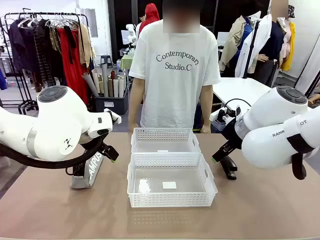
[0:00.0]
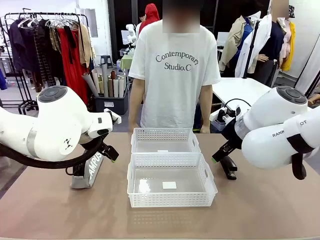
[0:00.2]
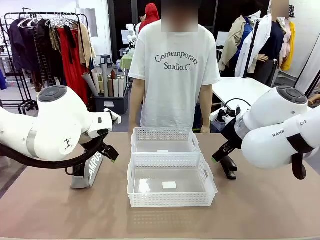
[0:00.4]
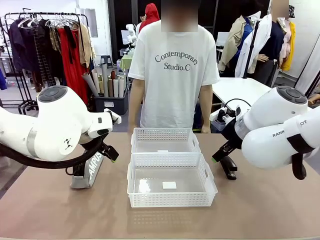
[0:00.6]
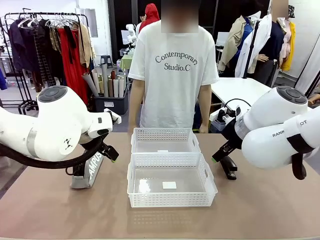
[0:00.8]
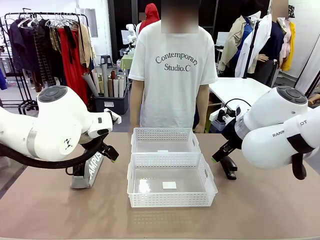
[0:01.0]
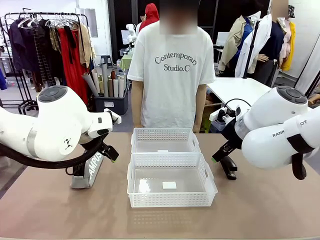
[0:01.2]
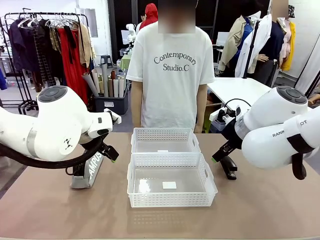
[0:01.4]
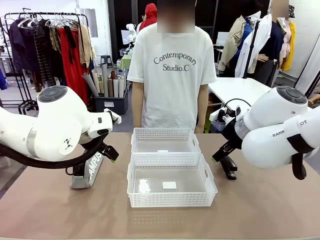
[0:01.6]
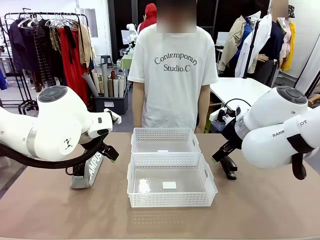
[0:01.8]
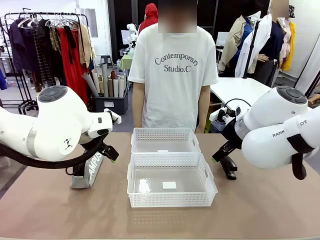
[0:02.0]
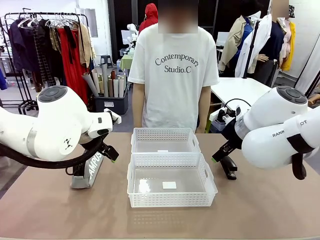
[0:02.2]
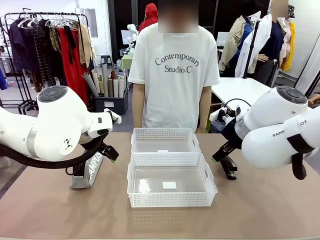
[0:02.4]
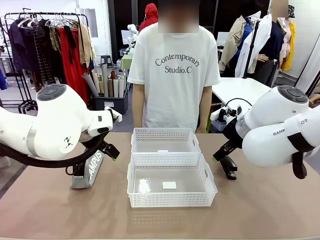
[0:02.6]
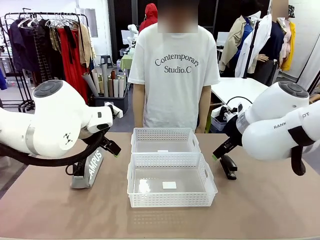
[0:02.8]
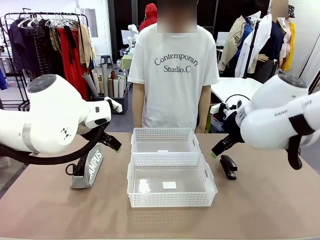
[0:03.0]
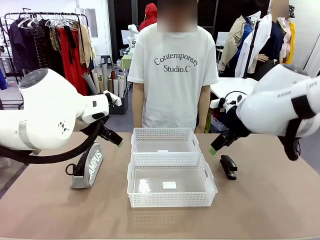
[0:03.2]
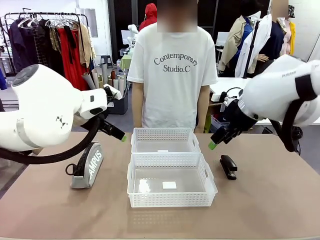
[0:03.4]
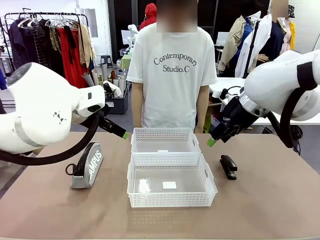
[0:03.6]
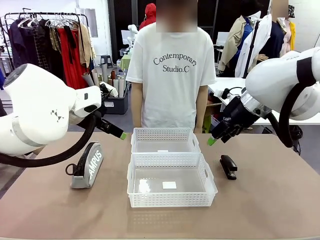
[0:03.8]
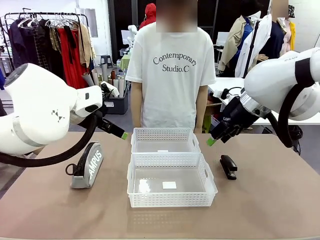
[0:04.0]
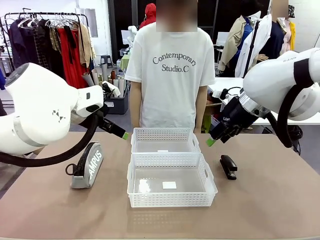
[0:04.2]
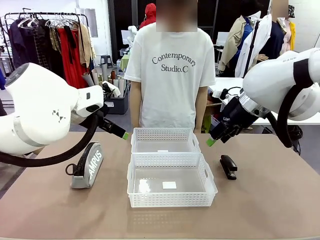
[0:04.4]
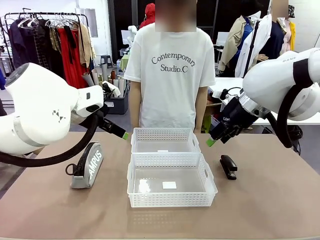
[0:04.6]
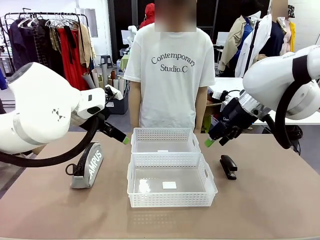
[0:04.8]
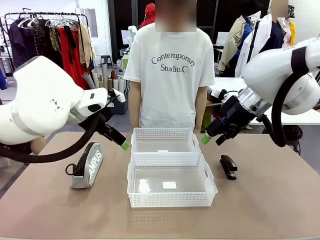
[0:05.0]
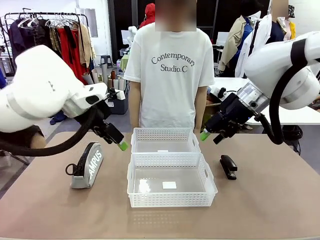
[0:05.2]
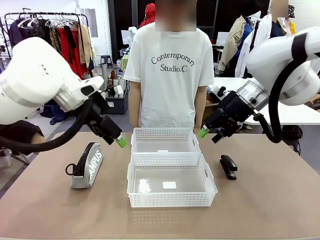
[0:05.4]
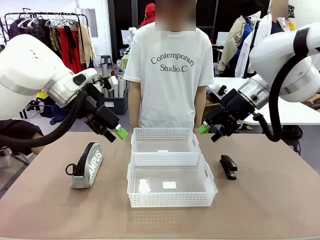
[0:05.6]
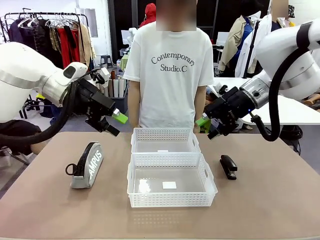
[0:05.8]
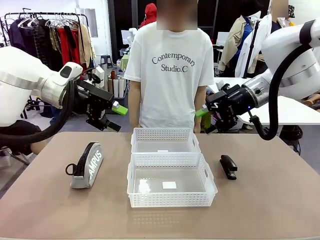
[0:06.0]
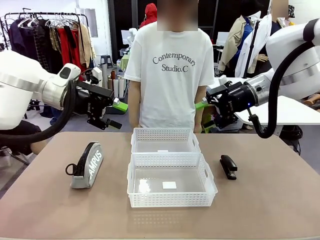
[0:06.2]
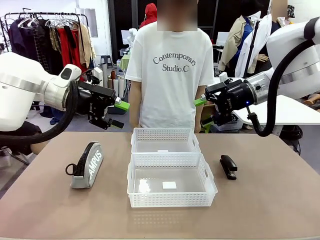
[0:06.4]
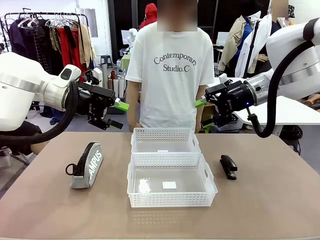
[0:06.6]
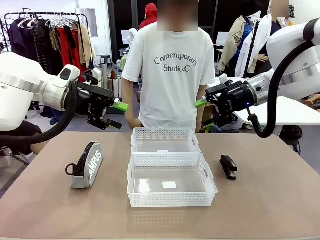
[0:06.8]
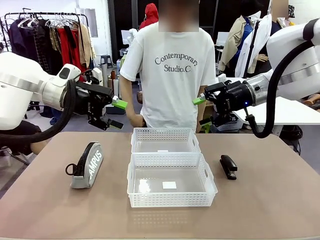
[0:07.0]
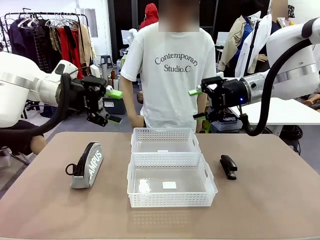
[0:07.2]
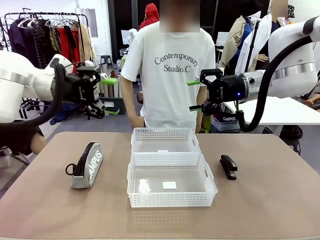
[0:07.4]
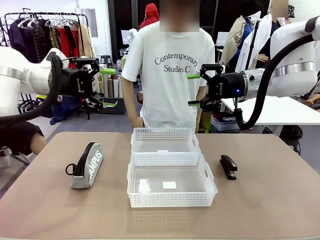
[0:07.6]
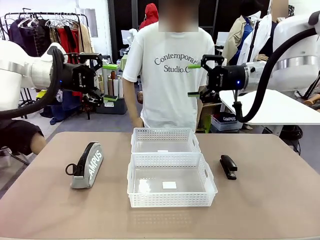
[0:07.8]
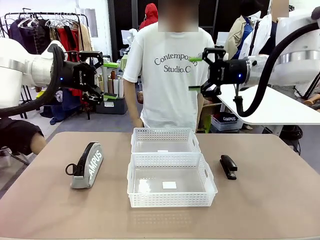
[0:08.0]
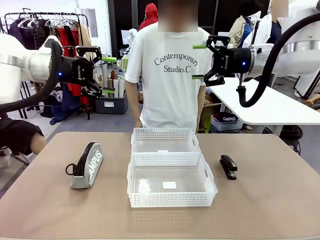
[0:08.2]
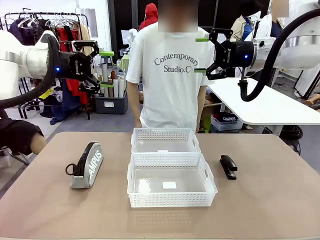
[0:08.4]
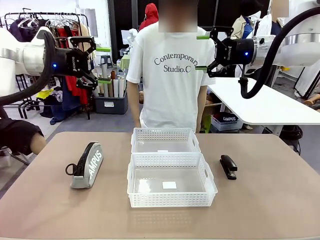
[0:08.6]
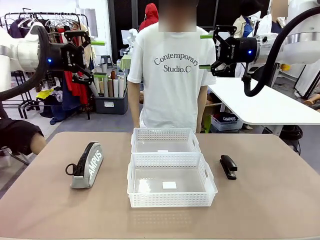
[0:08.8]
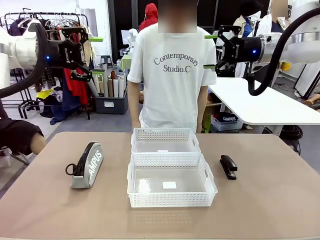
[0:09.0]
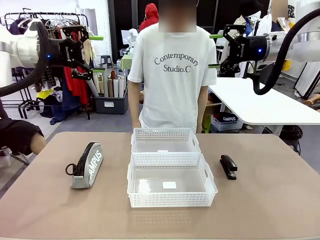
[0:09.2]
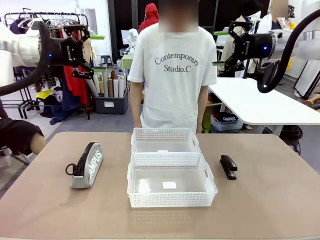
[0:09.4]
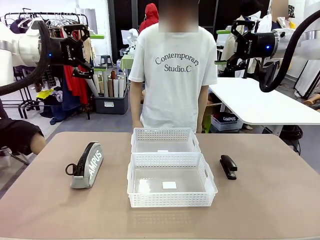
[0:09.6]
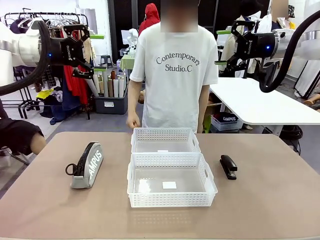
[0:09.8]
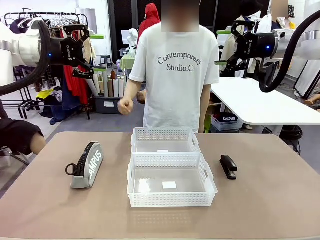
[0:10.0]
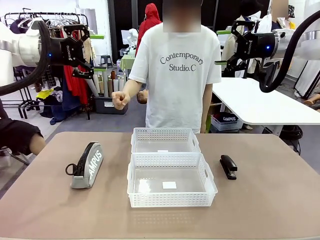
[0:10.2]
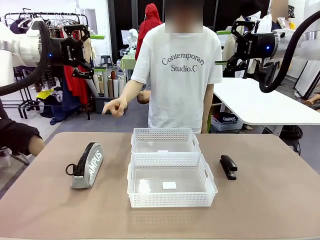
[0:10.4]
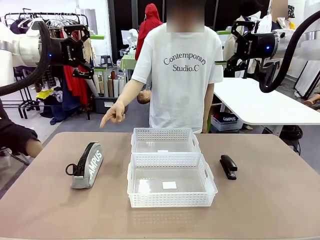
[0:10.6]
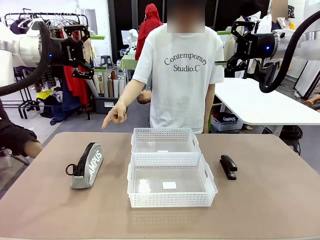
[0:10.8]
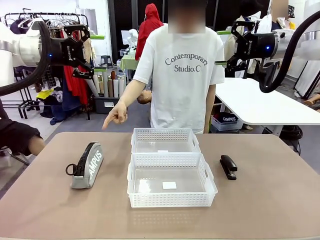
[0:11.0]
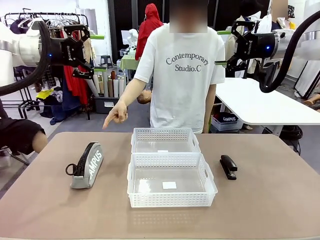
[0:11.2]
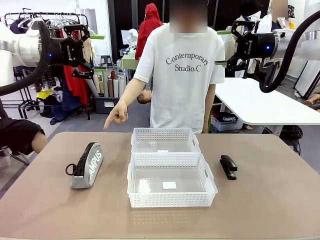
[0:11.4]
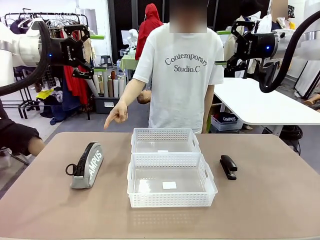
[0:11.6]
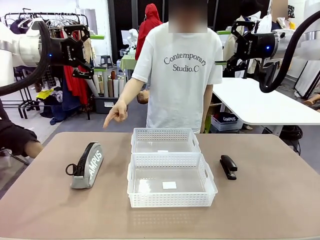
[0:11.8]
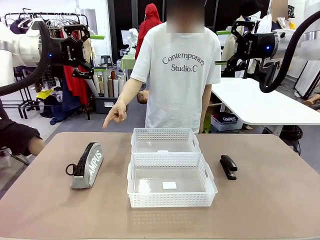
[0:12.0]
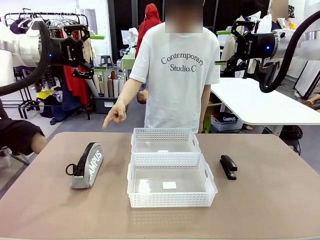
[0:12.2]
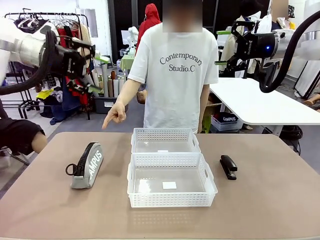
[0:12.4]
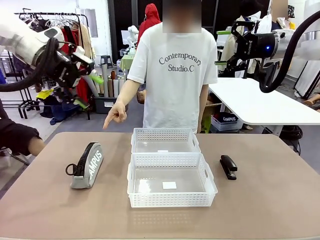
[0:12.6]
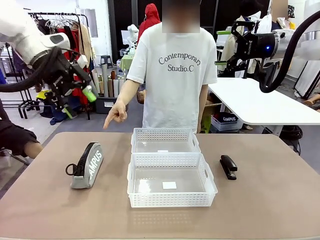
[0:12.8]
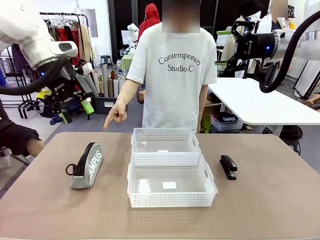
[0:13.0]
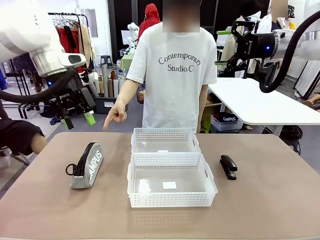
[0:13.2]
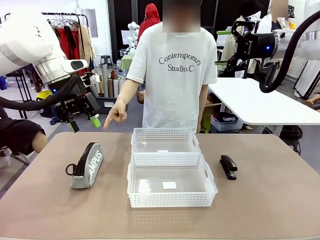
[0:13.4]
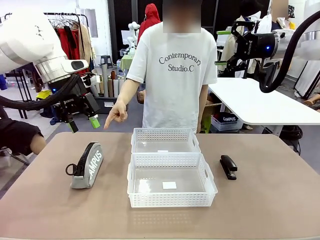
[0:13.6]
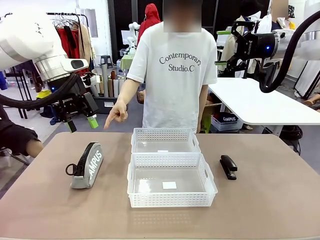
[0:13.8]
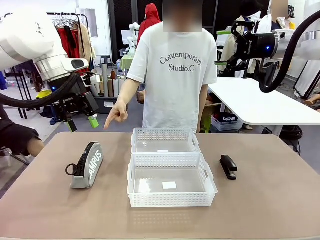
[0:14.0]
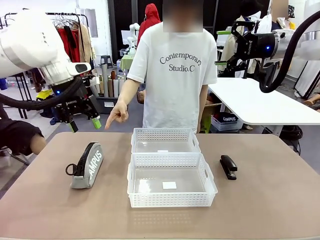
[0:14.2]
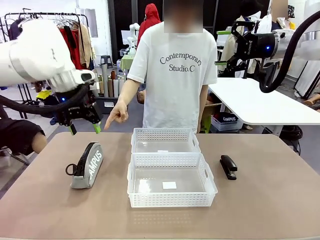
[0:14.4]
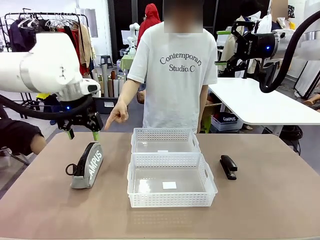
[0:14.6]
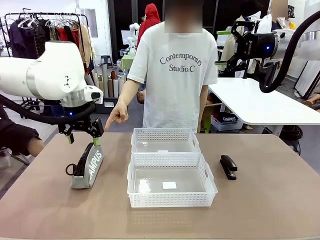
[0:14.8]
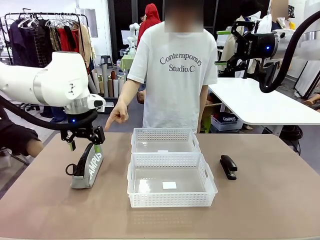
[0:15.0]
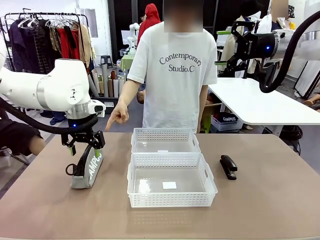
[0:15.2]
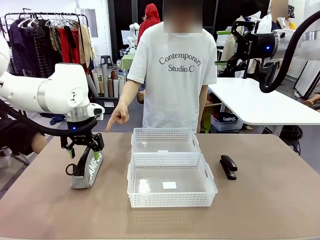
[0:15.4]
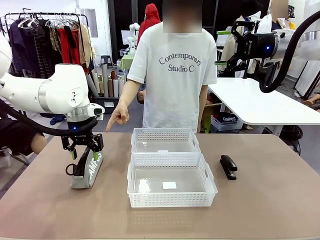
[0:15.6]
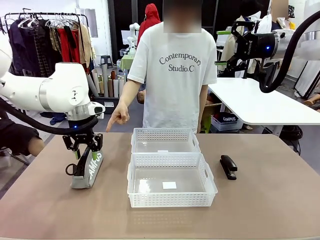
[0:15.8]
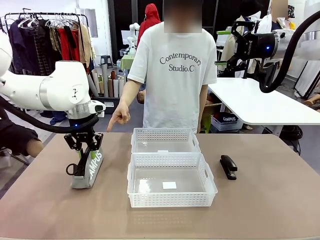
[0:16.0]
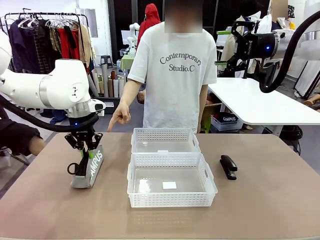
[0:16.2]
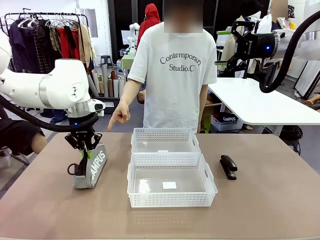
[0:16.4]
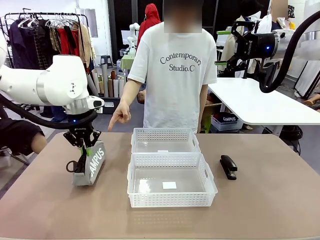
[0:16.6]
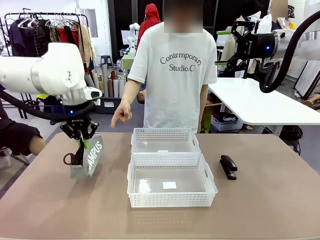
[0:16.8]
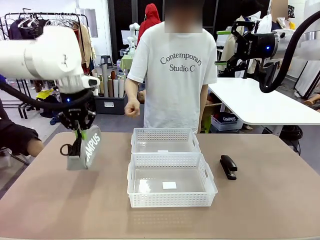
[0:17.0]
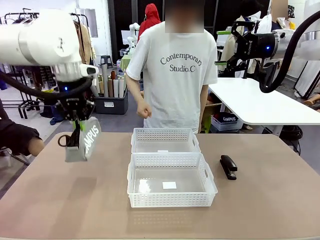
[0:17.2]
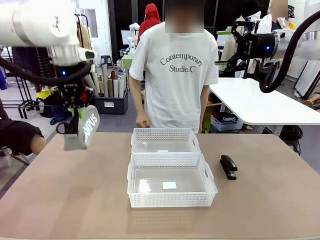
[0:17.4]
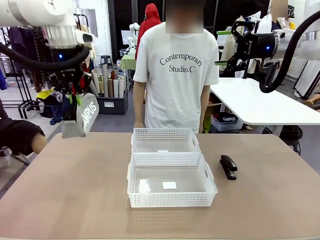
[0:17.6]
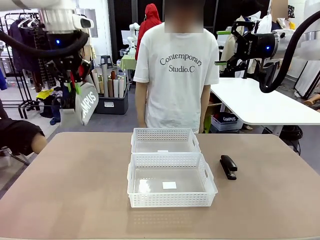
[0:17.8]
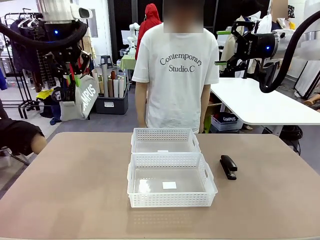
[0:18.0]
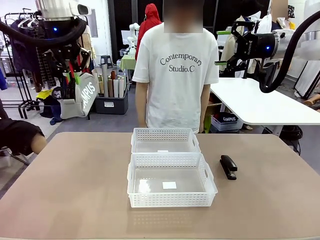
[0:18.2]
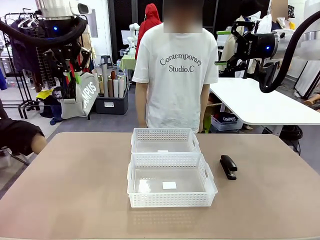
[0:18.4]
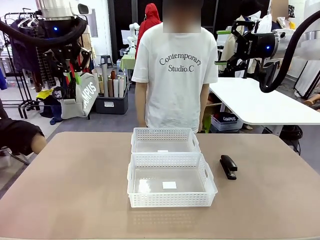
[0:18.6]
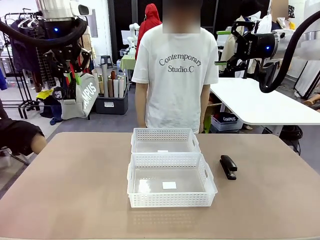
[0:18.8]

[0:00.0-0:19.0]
Task: Distribute items into two baskets.
Robot: Pick up the Pencil pouch that the person points to.
Person: Points to the pencil case. Points between the two organizing baskets and instructs the robot to move the pencil case.

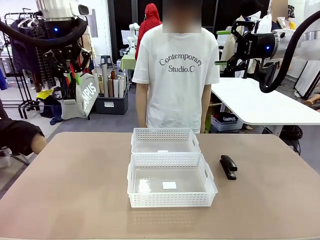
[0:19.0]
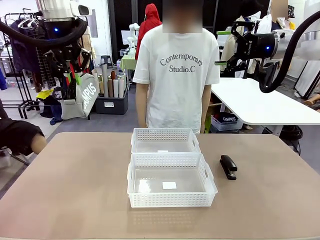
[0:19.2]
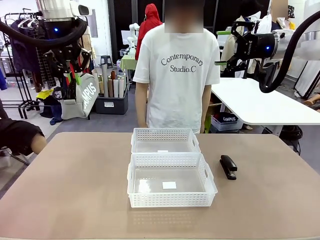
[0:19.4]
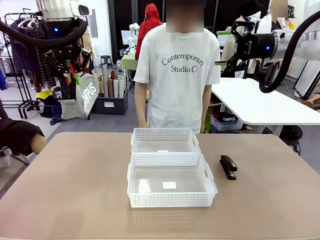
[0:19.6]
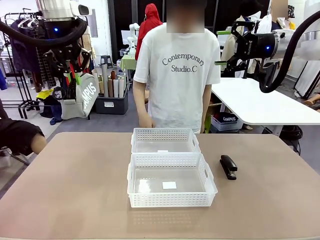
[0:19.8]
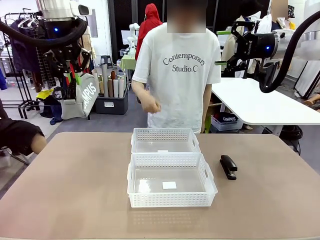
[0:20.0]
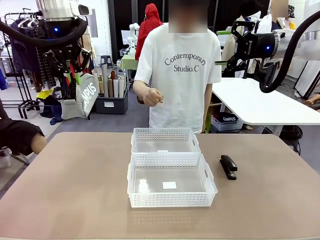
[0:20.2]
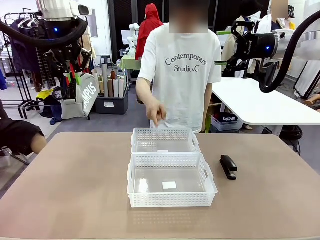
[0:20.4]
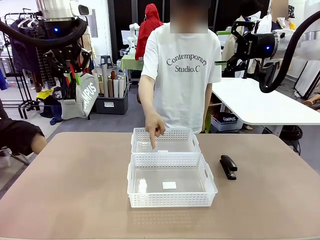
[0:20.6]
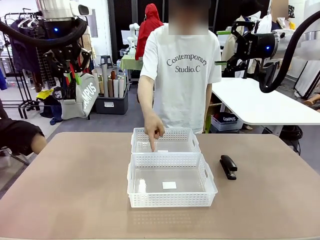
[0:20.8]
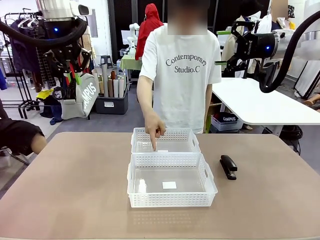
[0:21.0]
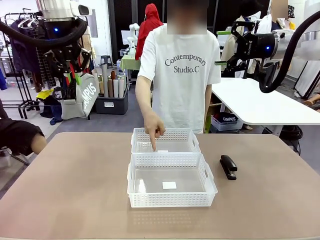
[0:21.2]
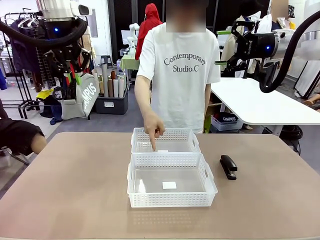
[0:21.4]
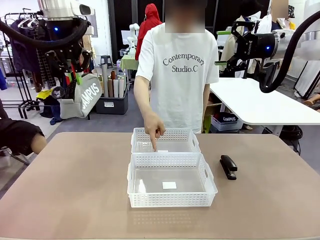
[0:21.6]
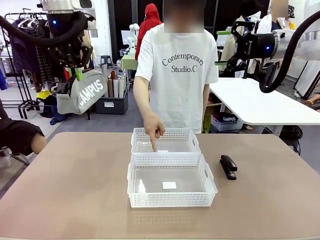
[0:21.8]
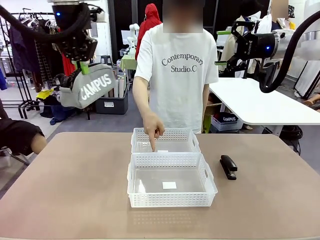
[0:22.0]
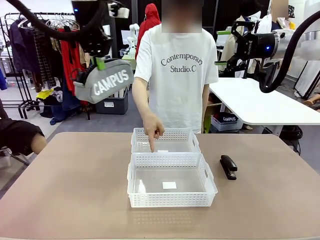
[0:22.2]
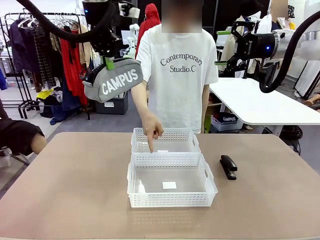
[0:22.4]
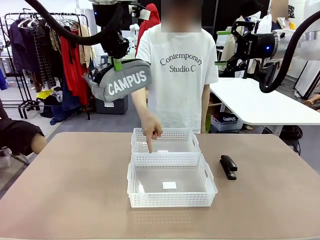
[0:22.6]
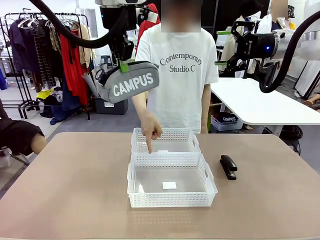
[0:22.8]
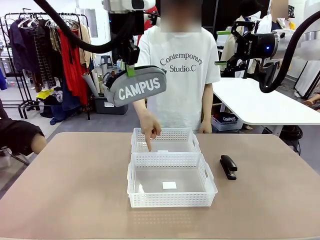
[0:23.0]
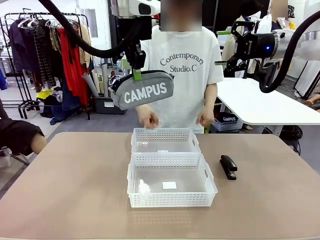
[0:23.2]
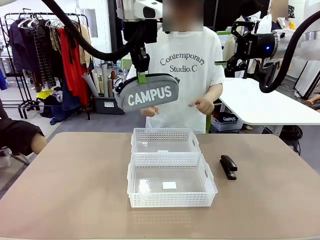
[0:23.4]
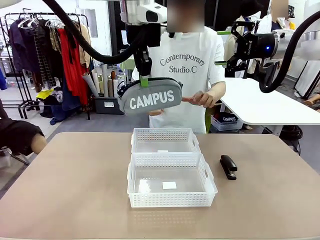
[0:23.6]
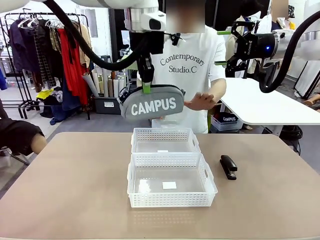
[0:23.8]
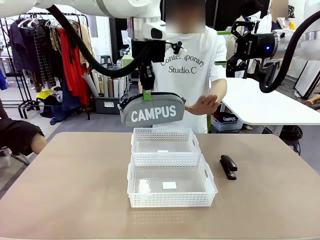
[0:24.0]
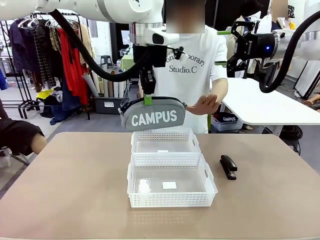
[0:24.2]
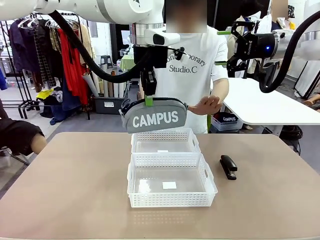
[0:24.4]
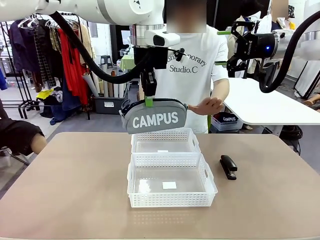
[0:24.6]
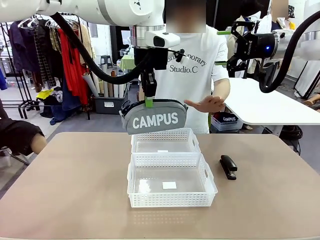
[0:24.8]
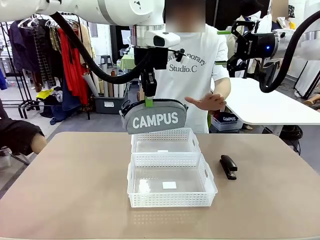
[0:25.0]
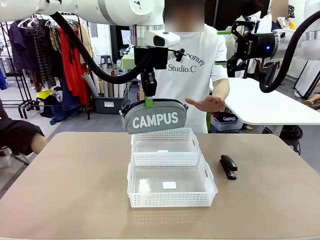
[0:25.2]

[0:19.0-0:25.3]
Robot: Move the picked Pencil pouch towards the Organizing basket indicated by the person, stopping as directed.
Person: Sends a stop gesture before the robot places the pencil case into the basket. Instructs the robot to place the pencil case into the opposite basket.
